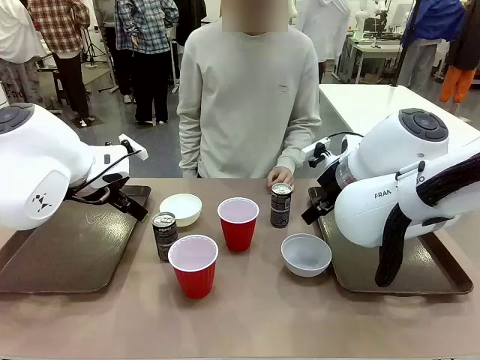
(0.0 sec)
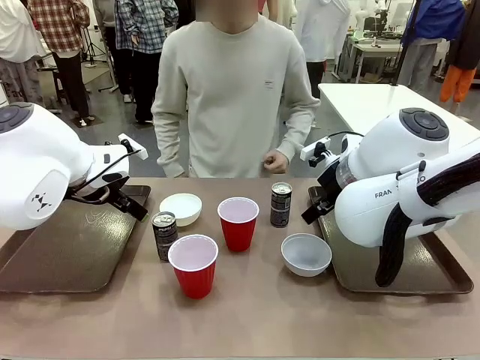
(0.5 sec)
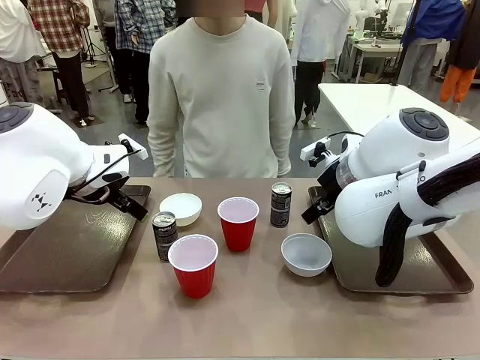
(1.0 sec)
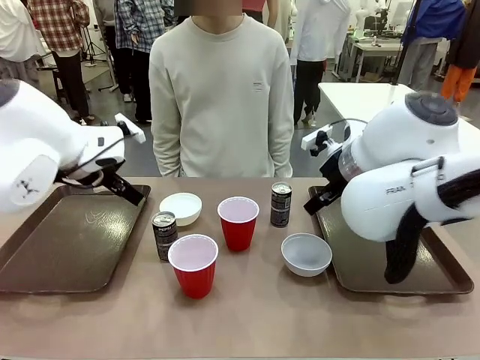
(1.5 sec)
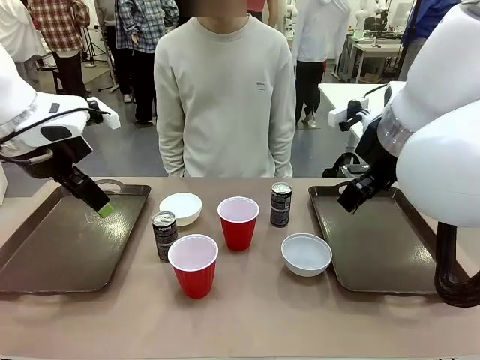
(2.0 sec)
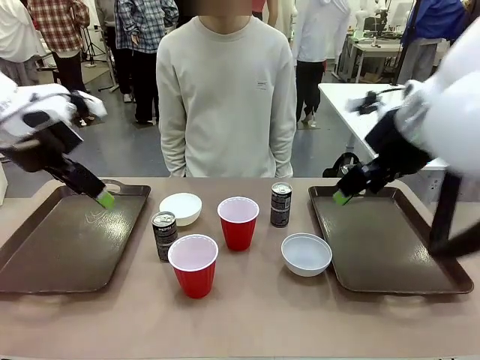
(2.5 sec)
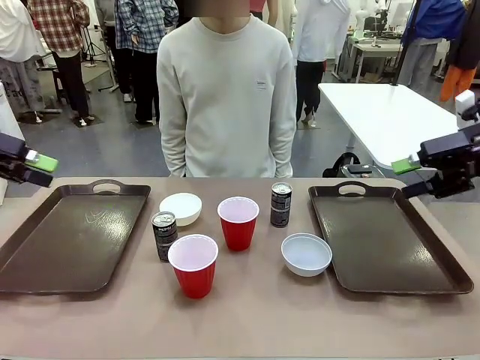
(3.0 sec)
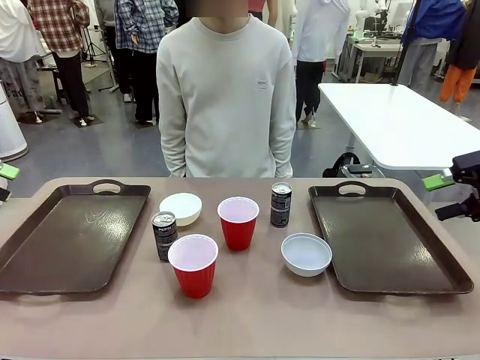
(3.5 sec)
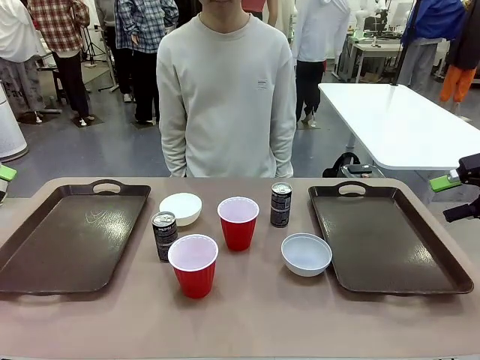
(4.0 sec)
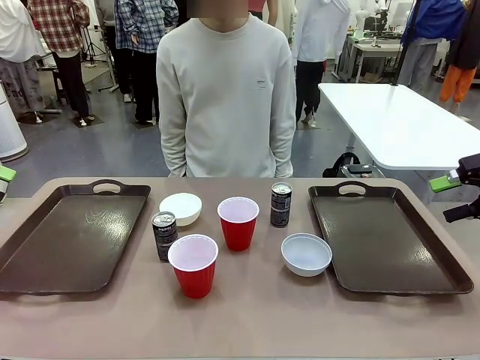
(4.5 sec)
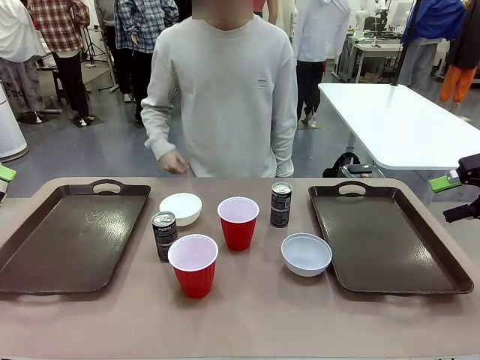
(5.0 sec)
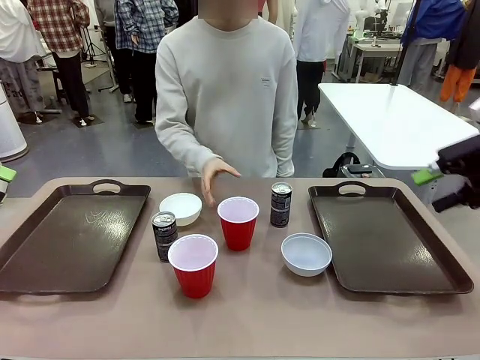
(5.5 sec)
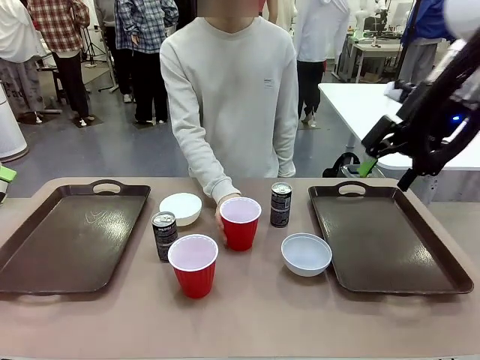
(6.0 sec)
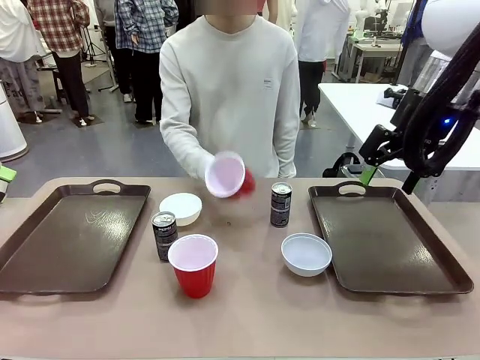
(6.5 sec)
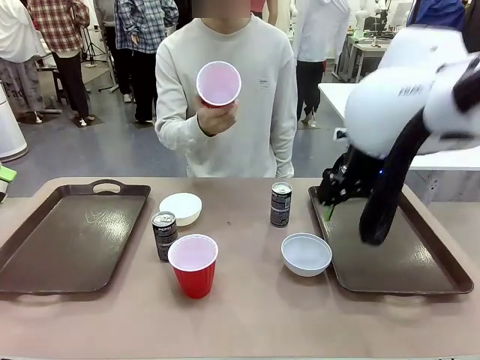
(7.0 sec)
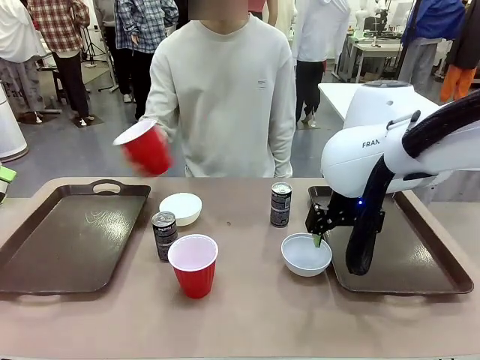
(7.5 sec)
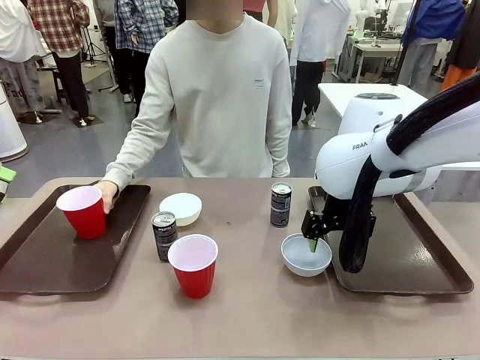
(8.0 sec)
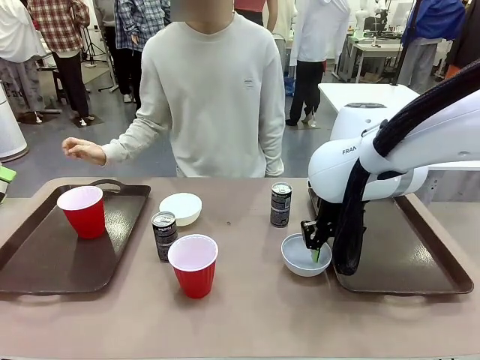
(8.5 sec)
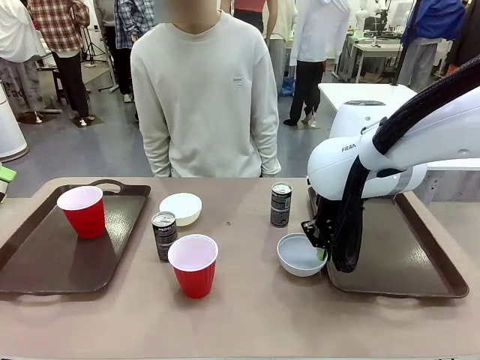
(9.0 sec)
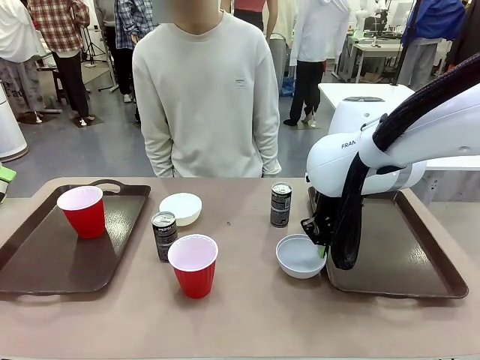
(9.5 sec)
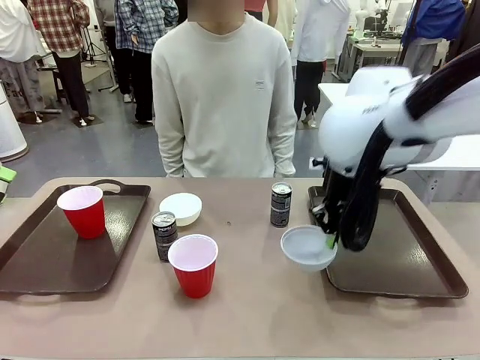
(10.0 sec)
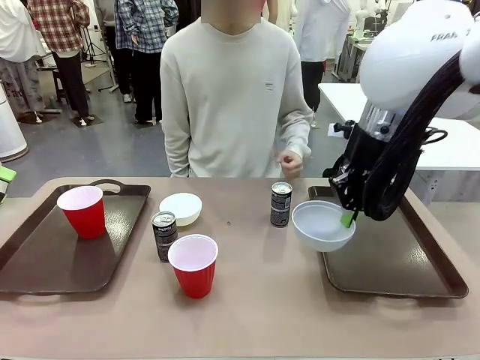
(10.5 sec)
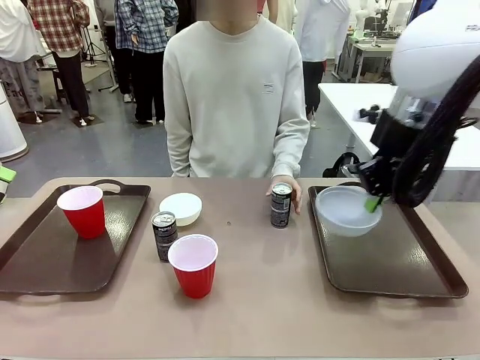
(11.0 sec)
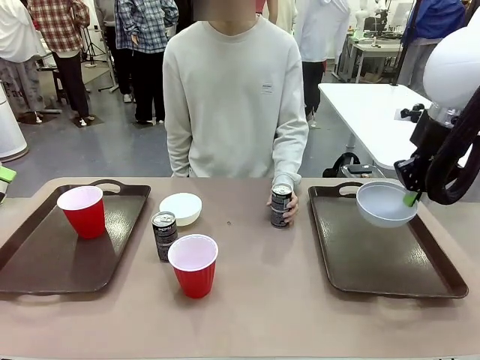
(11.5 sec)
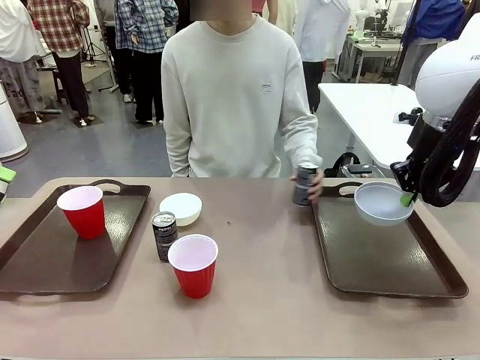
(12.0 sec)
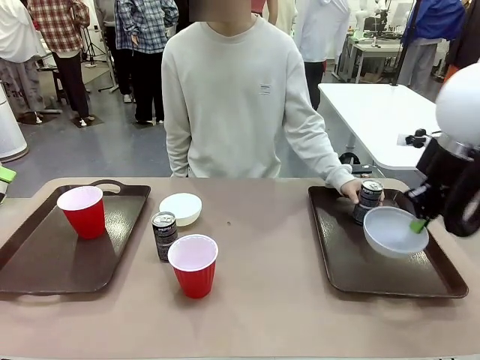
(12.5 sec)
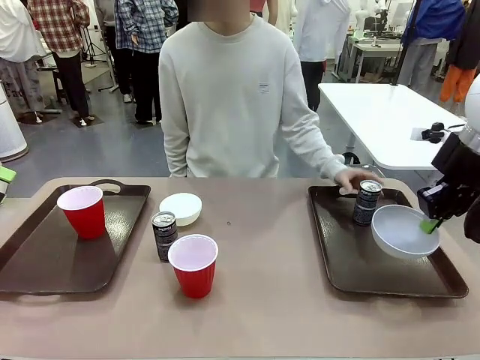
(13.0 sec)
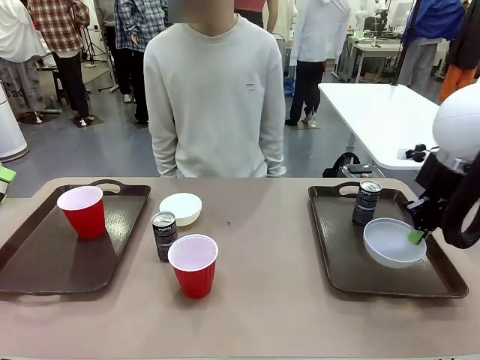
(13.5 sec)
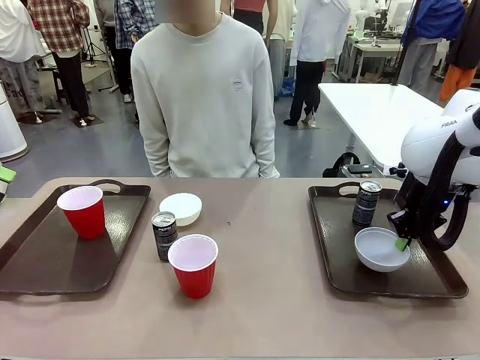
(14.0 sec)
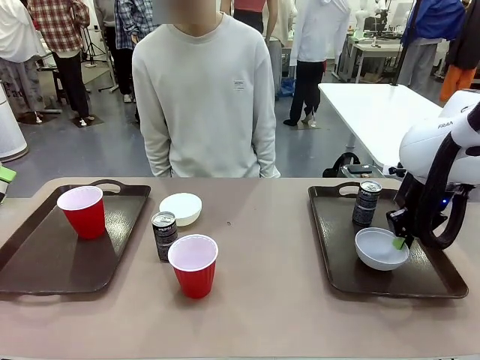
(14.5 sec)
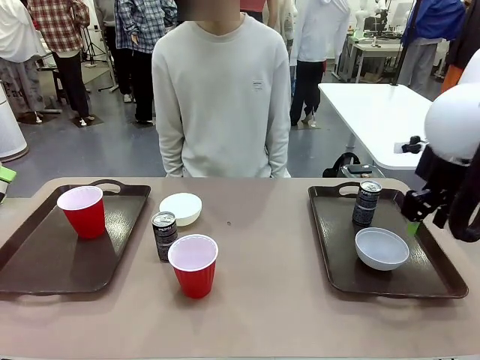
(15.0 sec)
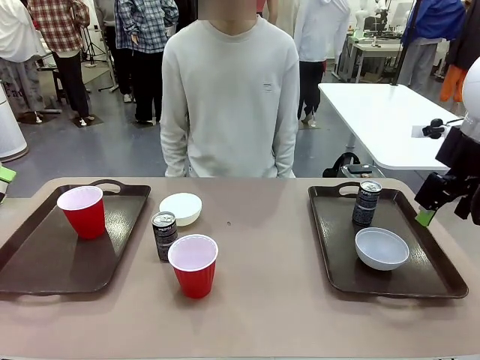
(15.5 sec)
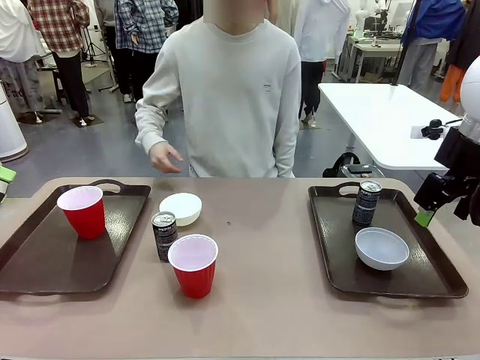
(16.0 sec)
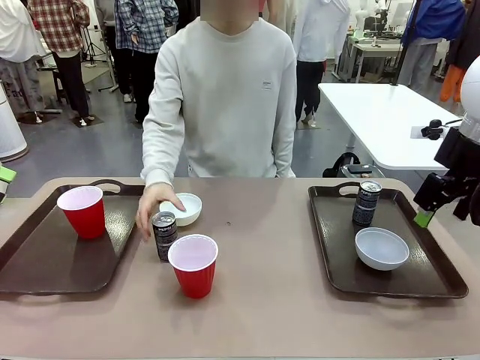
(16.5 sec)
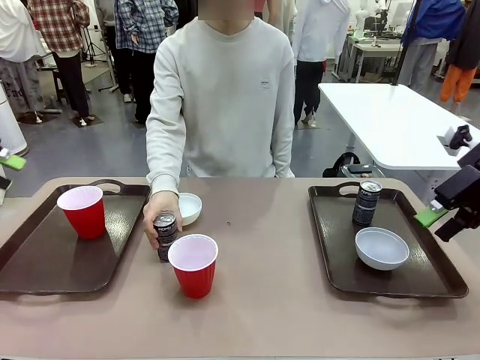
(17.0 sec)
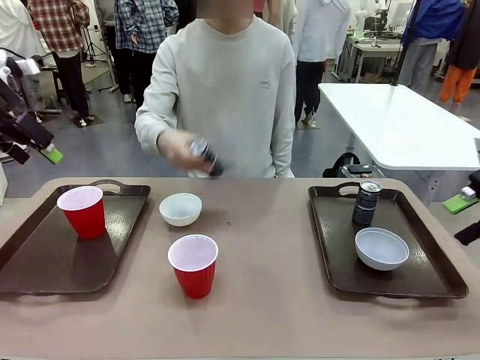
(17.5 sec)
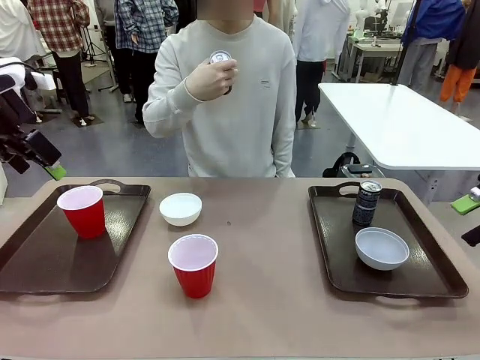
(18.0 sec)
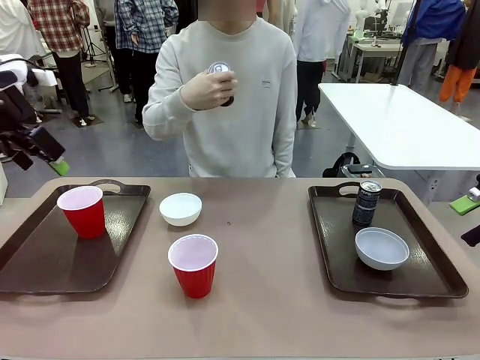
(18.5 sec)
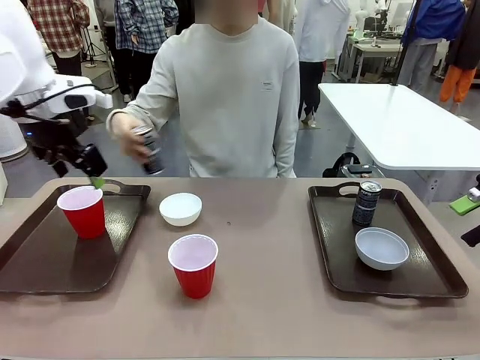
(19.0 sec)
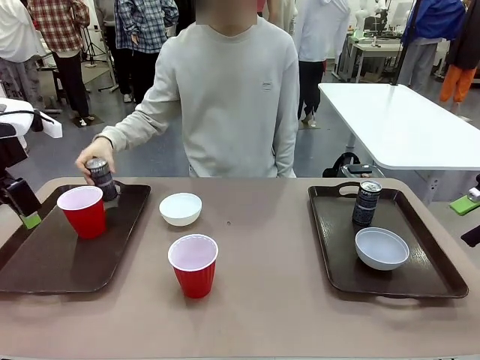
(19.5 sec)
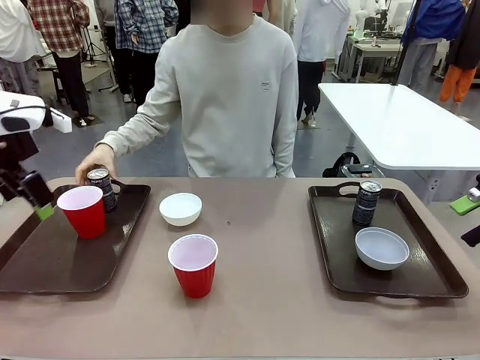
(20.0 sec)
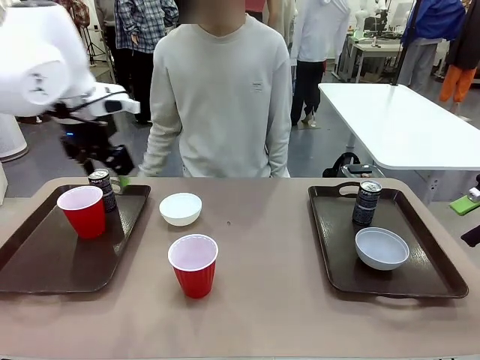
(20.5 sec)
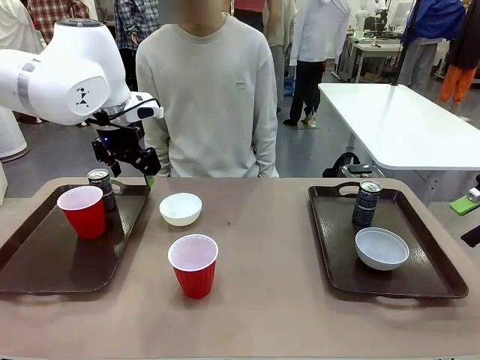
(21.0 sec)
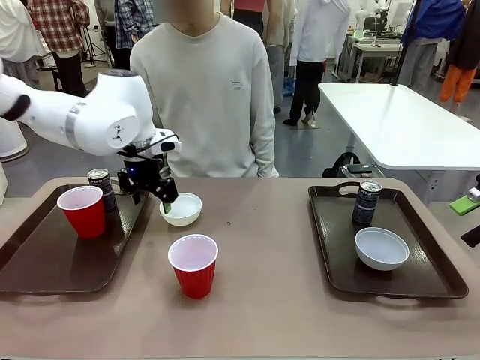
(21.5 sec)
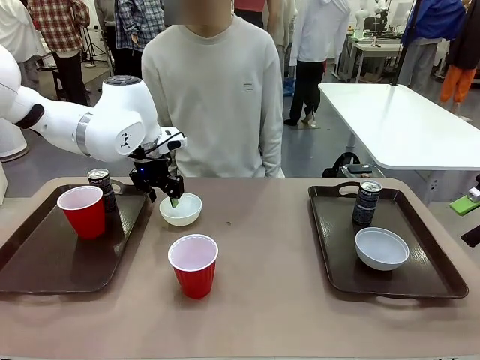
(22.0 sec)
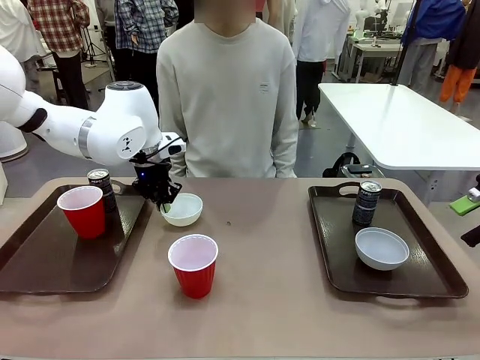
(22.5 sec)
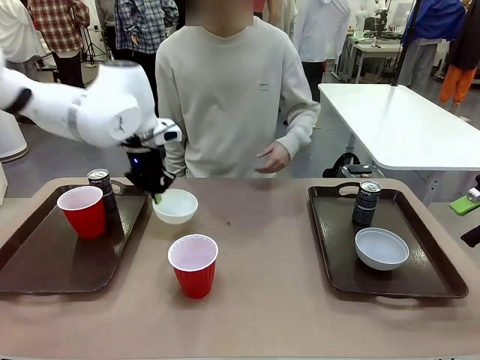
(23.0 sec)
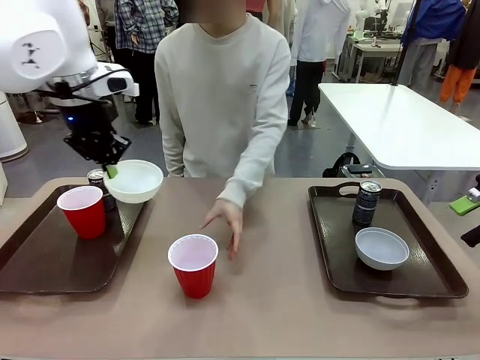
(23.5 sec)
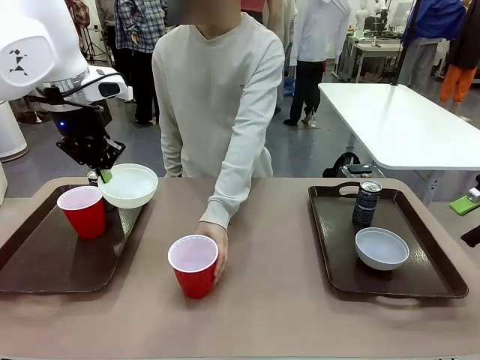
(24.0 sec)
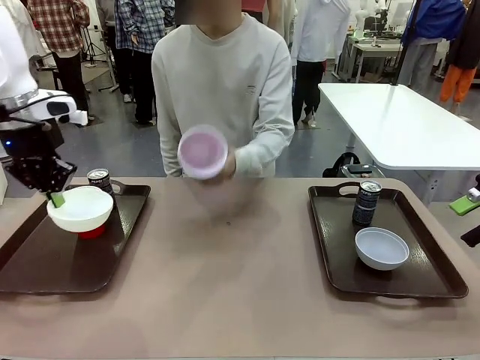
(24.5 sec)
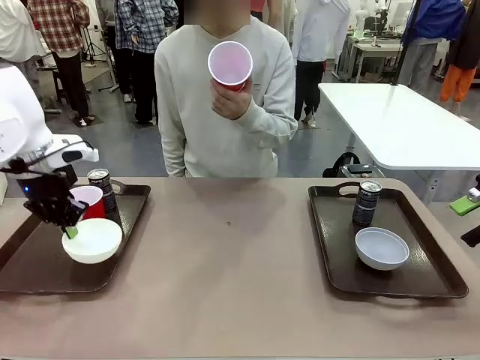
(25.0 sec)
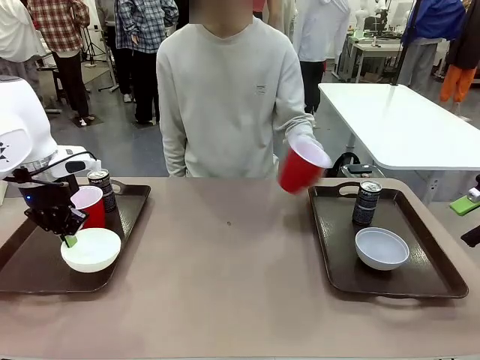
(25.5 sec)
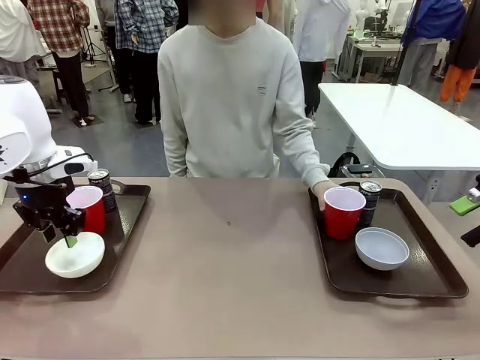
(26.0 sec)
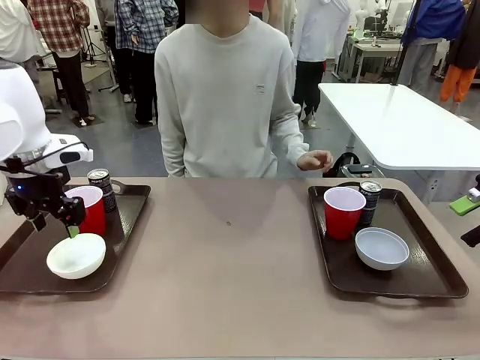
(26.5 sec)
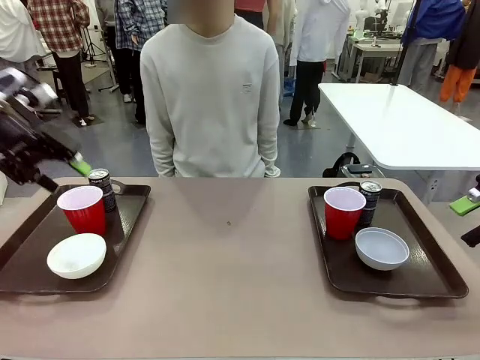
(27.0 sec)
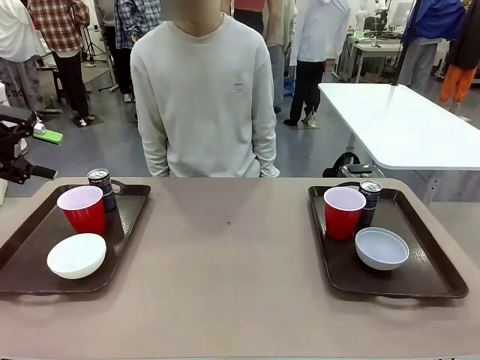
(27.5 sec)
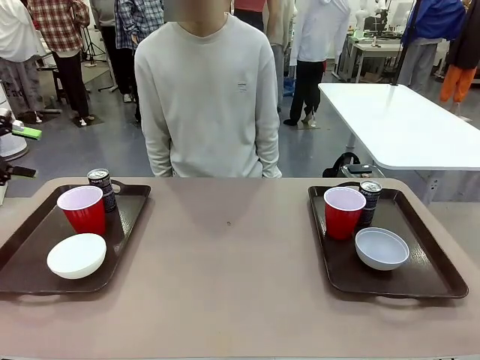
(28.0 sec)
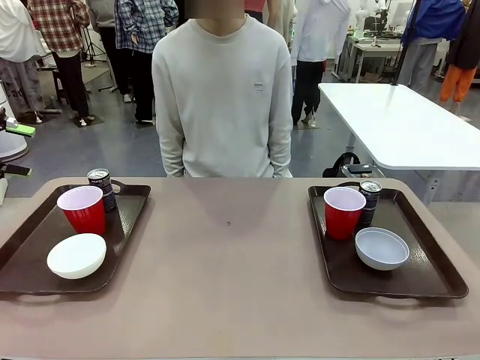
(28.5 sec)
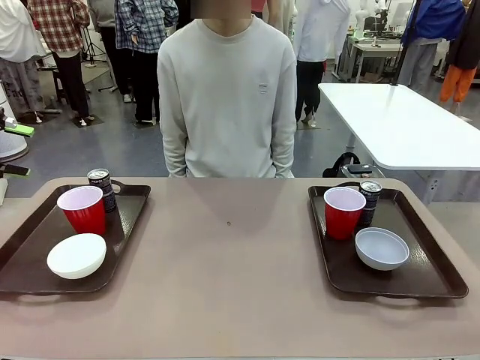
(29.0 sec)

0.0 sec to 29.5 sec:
Task: Prepare tableware on both trays.
Robot: Pick up a Picnic Bowl from the table and place it on a Handle tray.
Person: Pick up a can or cup and place it on the tray. Pick up a can or cup and place it on the tray without a can or cup.
